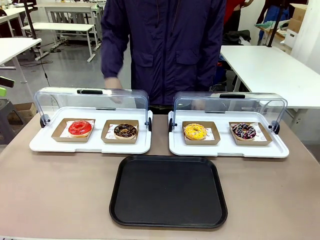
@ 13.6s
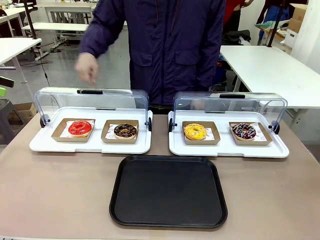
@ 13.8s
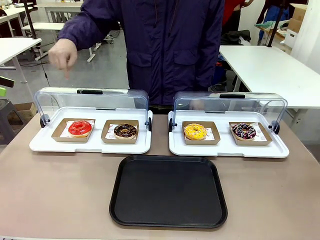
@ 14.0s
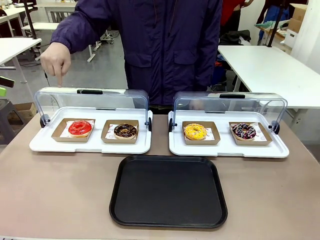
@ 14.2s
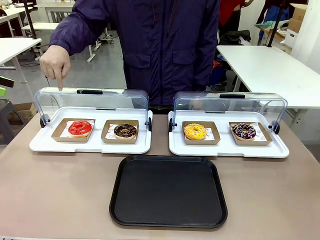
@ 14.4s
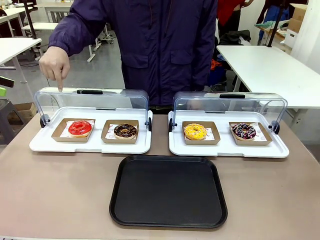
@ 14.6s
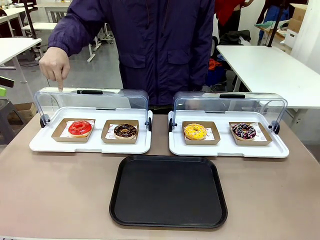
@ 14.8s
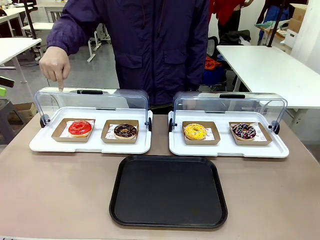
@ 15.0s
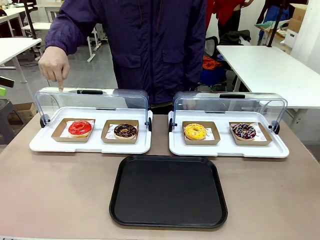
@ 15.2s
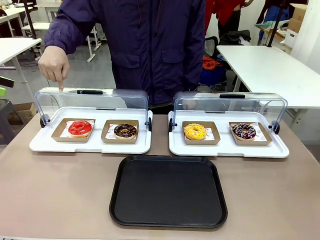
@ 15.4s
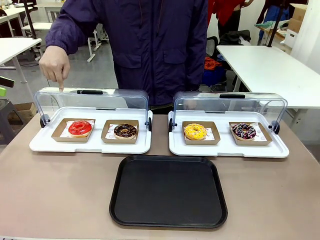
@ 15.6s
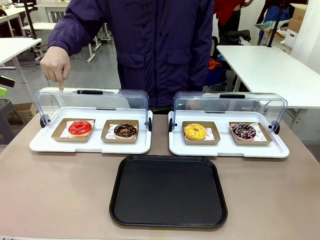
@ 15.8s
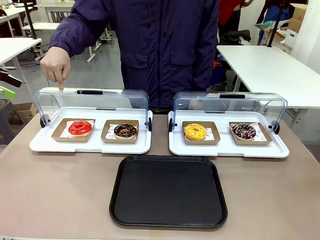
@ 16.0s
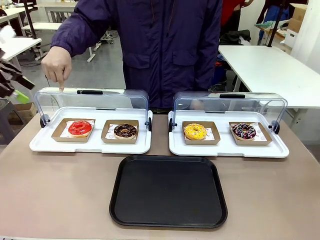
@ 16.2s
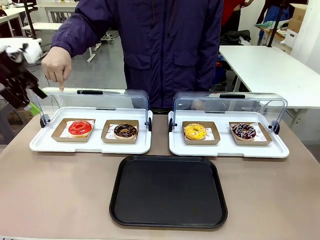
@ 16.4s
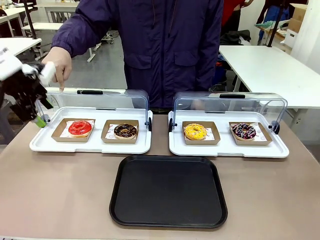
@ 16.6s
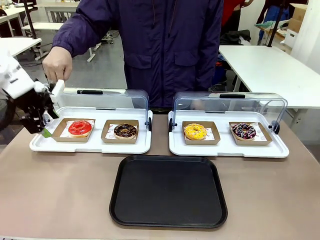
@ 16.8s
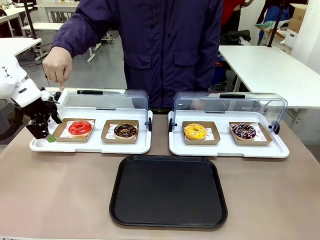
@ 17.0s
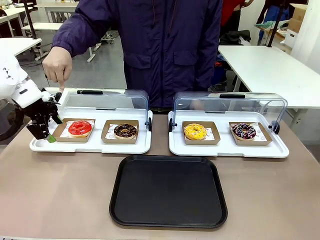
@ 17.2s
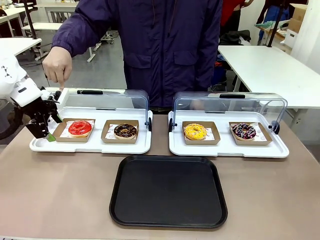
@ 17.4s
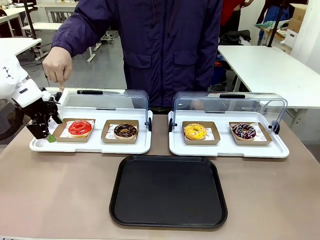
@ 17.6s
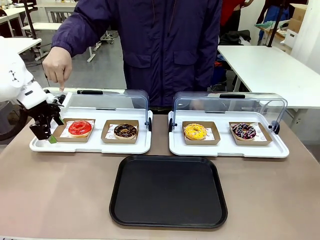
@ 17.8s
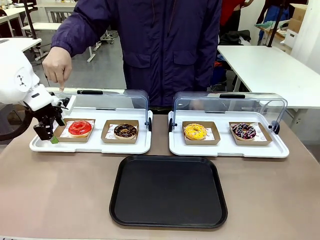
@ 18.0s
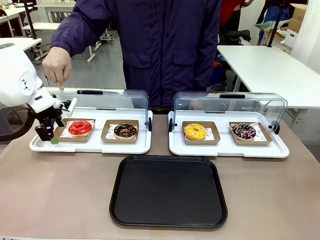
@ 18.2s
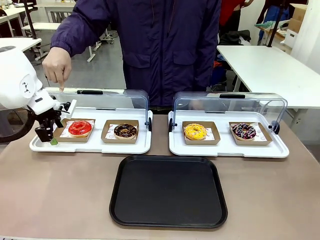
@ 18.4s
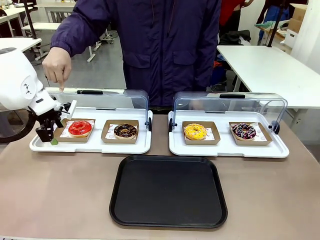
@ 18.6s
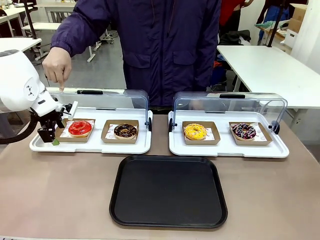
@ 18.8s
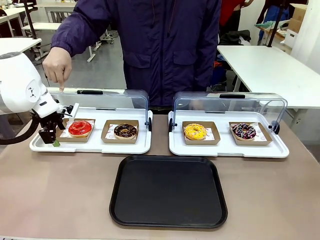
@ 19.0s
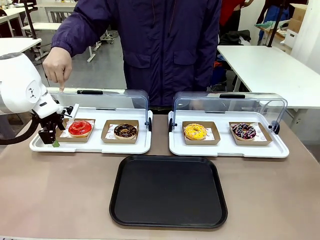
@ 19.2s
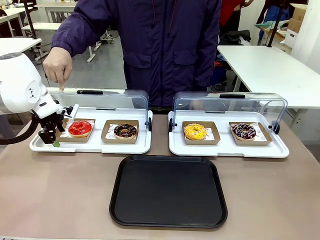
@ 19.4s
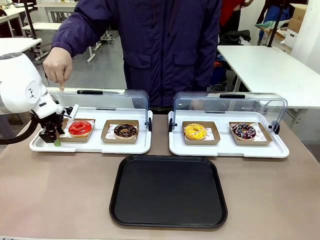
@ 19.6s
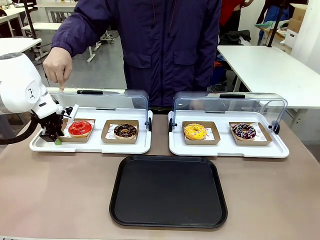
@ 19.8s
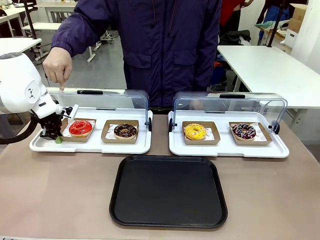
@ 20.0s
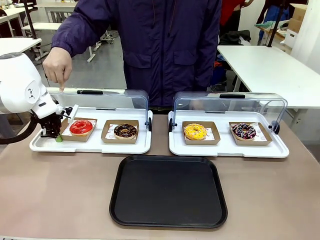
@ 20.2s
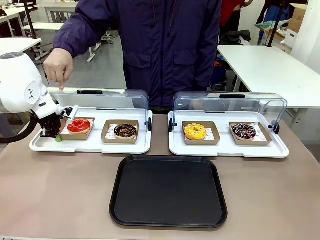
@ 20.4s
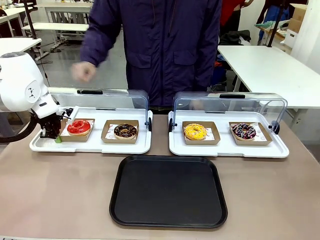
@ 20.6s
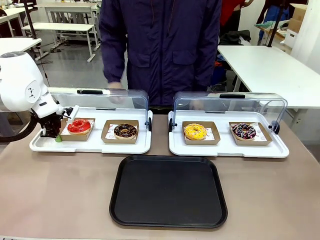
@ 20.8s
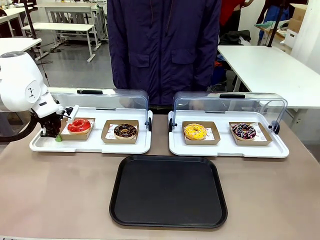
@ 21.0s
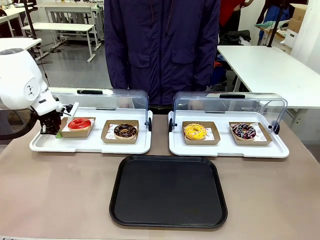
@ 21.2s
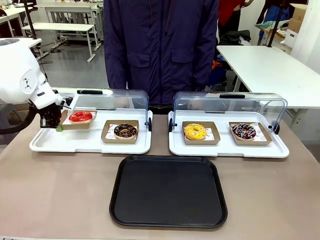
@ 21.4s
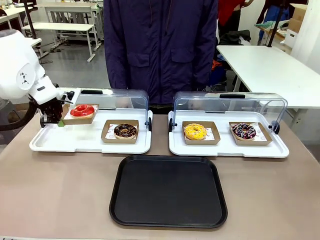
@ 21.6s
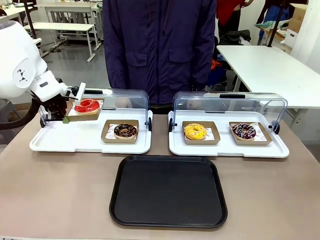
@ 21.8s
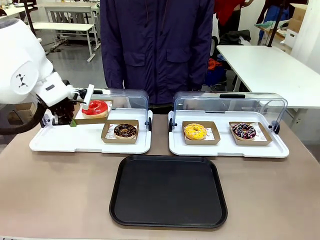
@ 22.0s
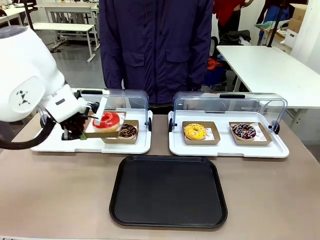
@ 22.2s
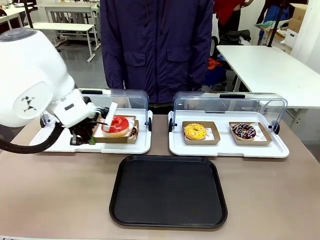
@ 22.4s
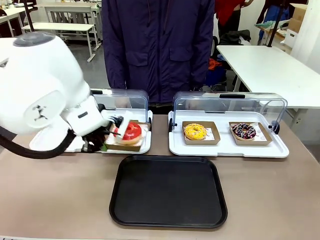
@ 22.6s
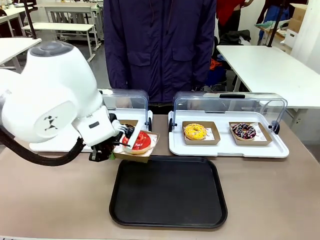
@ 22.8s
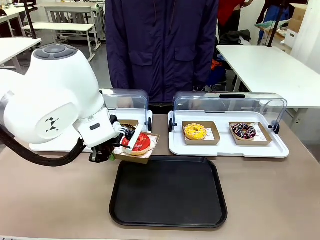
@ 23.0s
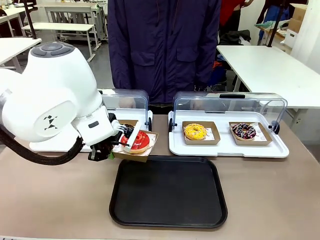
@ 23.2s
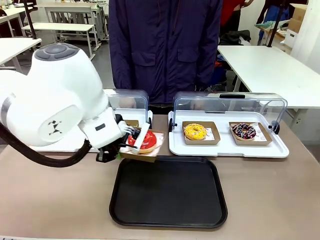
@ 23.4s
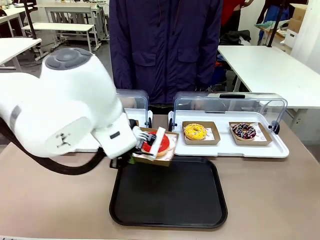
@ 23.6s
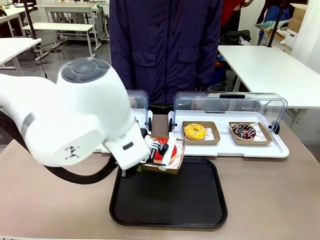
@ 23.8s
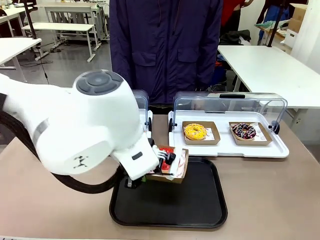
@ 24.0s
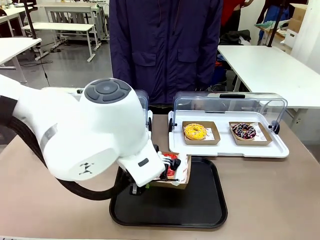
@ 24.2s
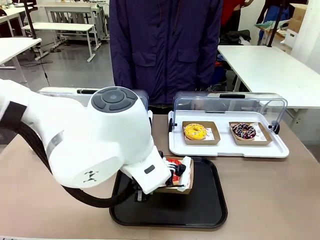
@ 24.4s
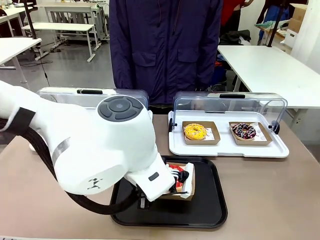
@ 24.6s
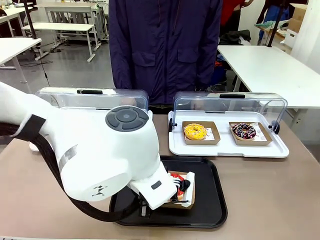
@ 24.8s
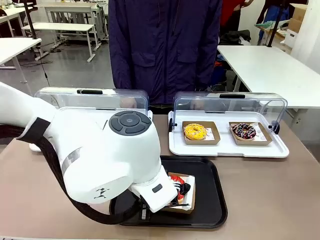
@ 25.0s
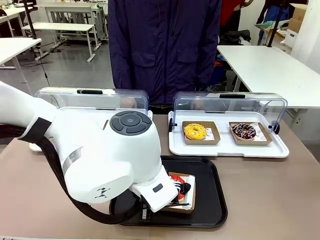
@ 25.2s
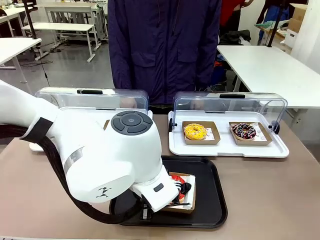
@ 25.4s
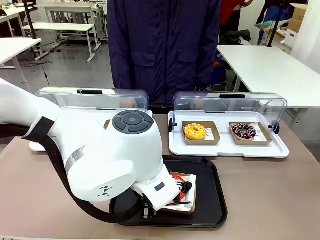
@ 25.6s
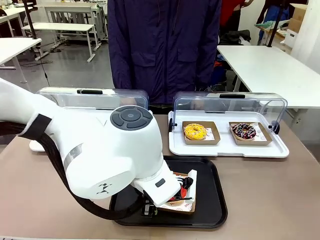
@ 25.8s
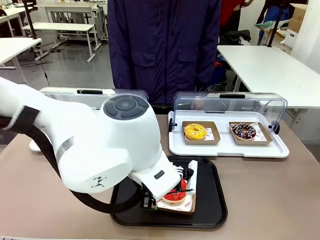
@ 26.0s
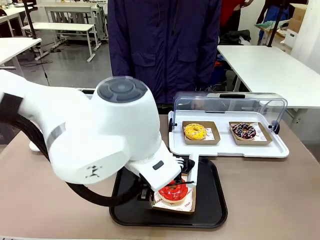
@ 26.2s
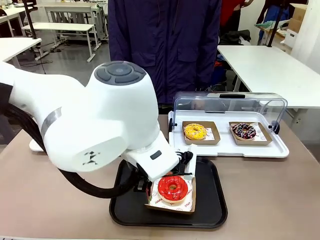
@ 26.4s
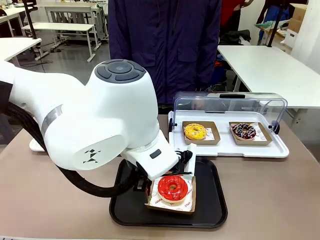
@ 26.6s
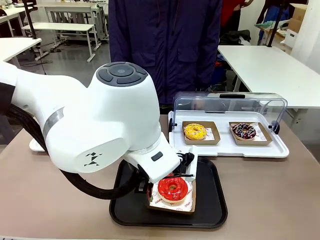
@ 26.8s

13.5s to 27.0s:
Task: Move the first donut from the left to the tray.
Robot: Pick up the Paper togo box containing the Donut indicated by the person and place it on the Handle tray.
